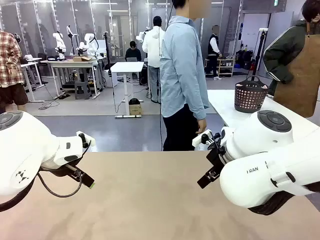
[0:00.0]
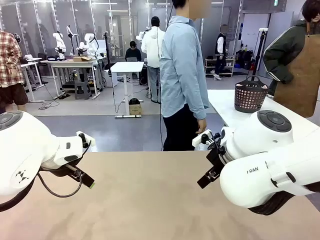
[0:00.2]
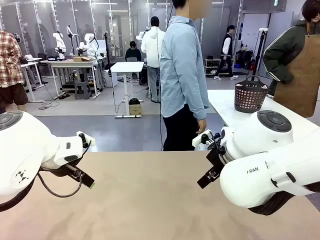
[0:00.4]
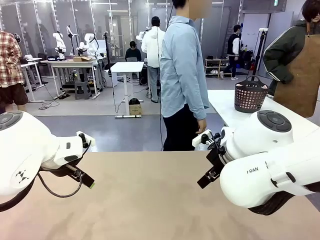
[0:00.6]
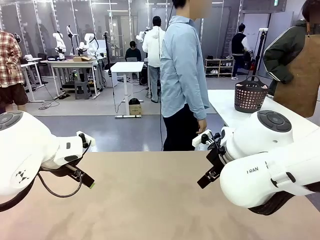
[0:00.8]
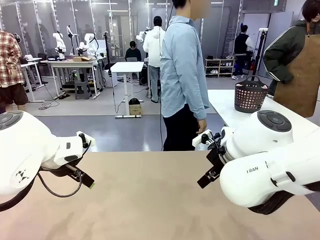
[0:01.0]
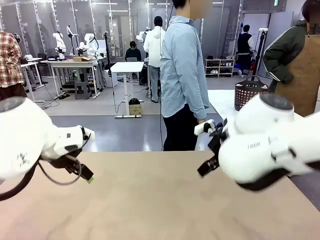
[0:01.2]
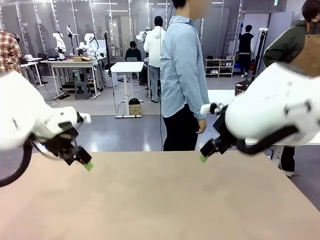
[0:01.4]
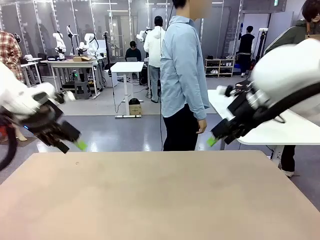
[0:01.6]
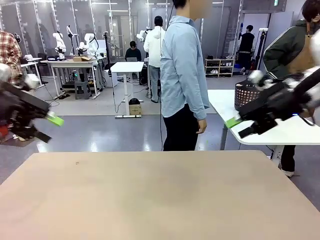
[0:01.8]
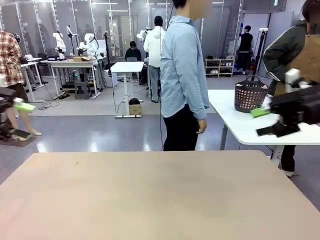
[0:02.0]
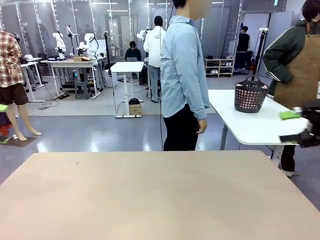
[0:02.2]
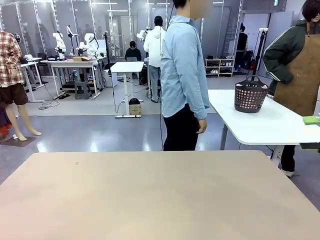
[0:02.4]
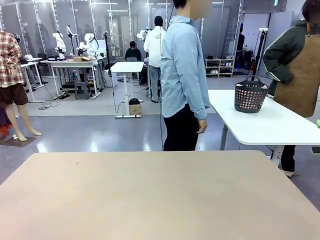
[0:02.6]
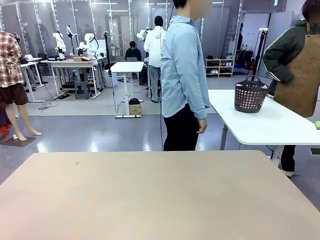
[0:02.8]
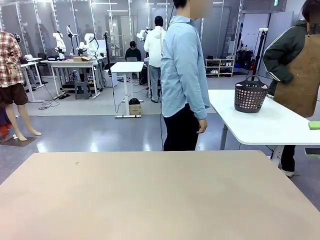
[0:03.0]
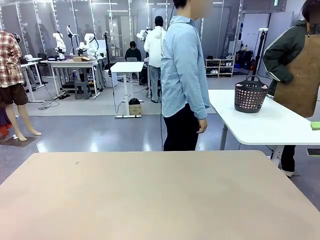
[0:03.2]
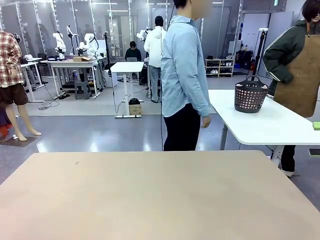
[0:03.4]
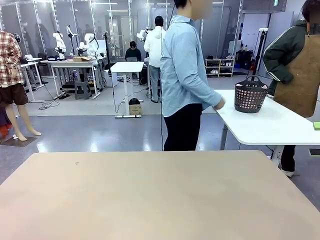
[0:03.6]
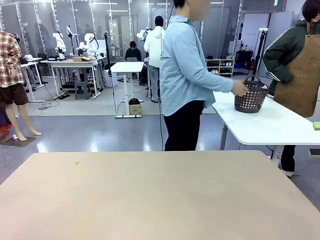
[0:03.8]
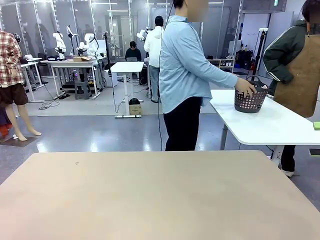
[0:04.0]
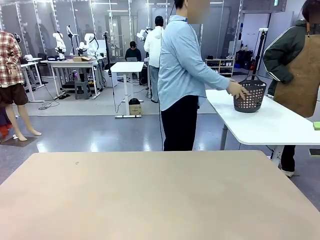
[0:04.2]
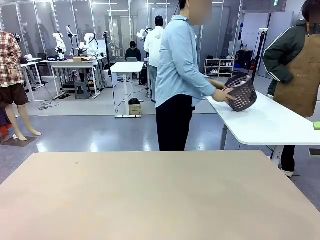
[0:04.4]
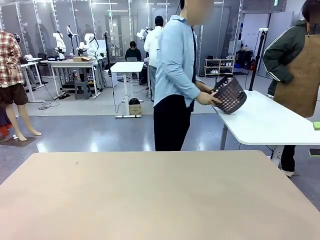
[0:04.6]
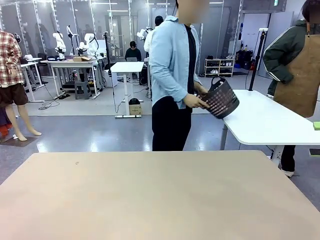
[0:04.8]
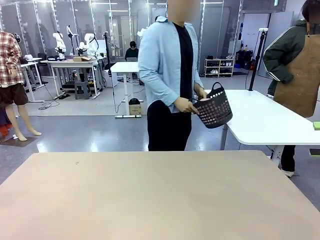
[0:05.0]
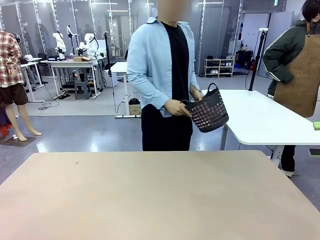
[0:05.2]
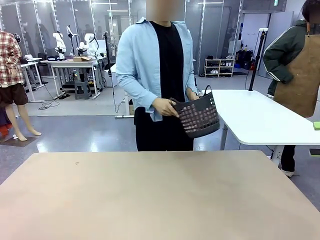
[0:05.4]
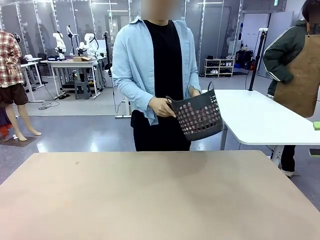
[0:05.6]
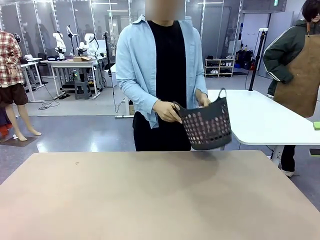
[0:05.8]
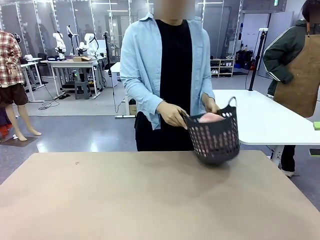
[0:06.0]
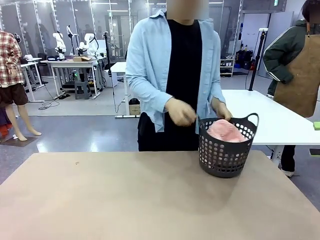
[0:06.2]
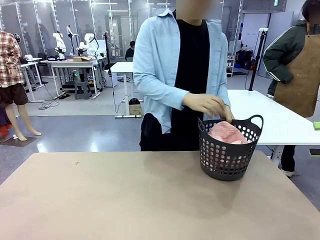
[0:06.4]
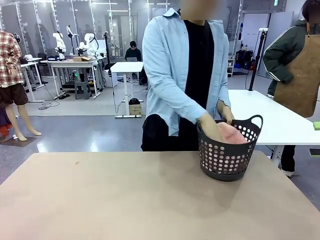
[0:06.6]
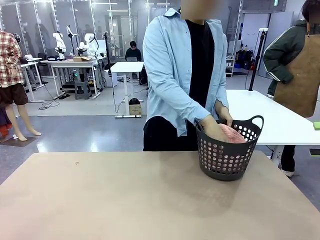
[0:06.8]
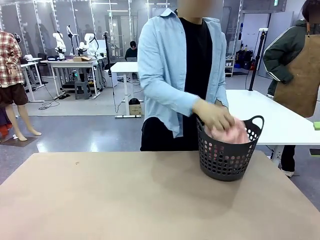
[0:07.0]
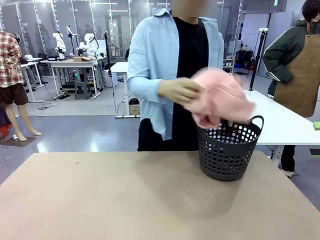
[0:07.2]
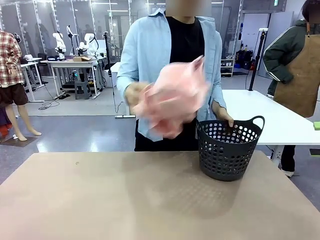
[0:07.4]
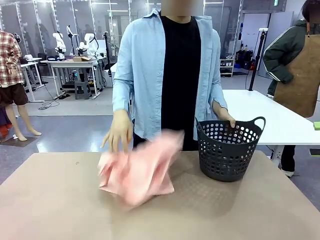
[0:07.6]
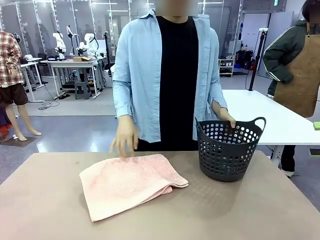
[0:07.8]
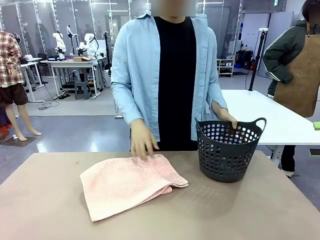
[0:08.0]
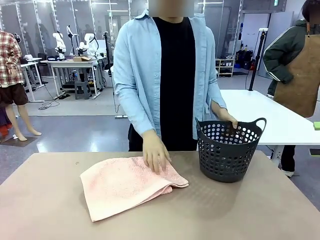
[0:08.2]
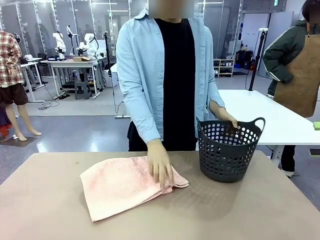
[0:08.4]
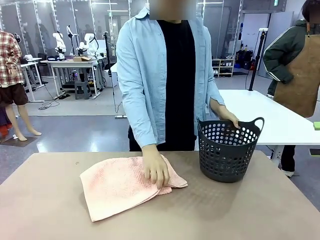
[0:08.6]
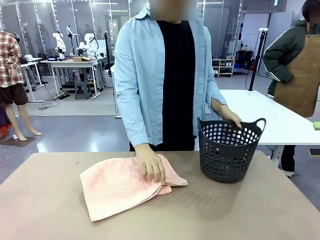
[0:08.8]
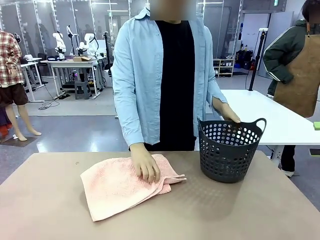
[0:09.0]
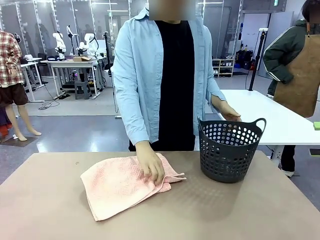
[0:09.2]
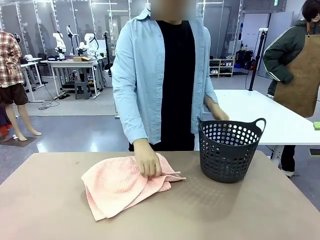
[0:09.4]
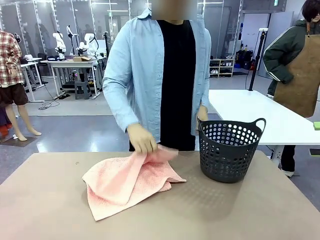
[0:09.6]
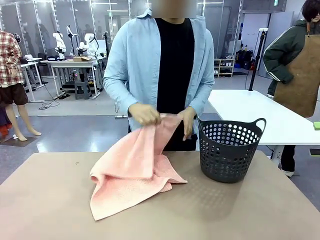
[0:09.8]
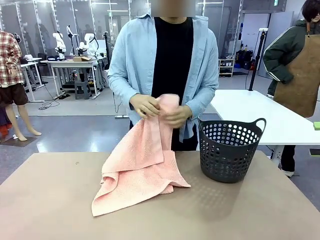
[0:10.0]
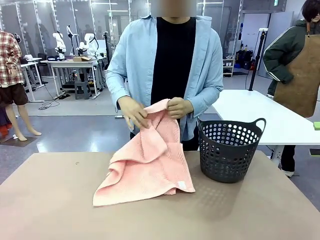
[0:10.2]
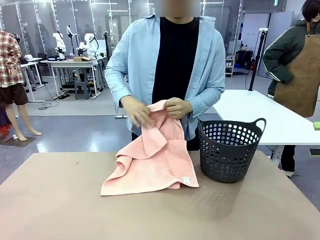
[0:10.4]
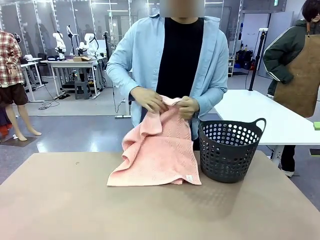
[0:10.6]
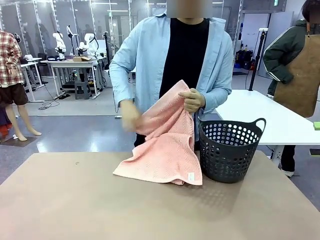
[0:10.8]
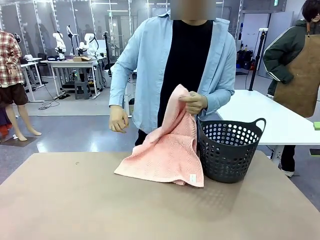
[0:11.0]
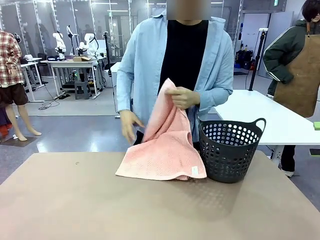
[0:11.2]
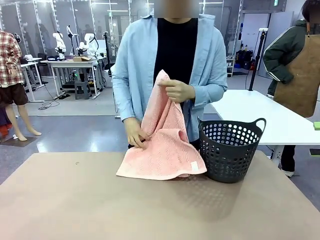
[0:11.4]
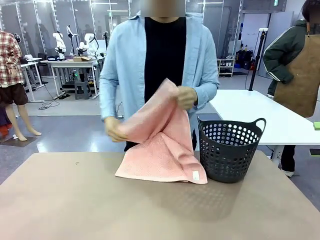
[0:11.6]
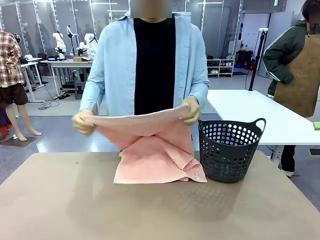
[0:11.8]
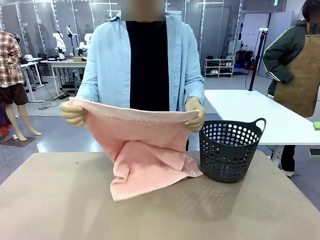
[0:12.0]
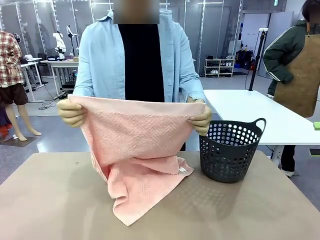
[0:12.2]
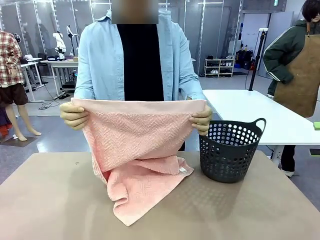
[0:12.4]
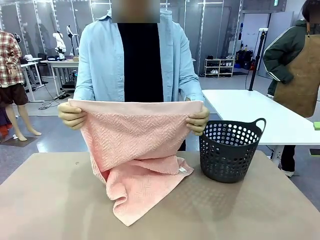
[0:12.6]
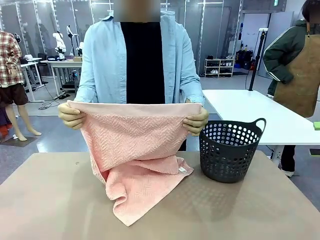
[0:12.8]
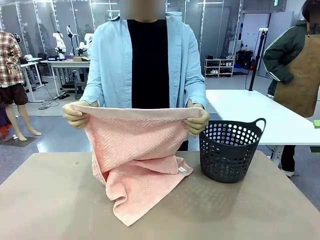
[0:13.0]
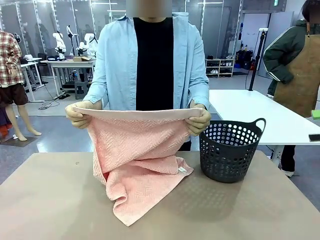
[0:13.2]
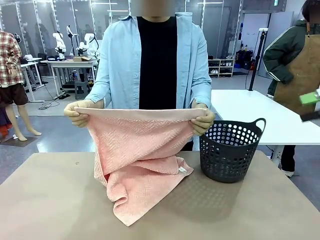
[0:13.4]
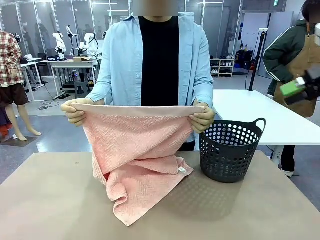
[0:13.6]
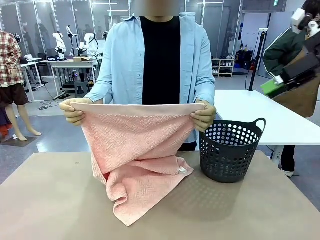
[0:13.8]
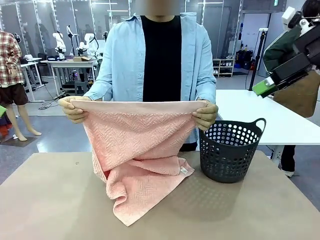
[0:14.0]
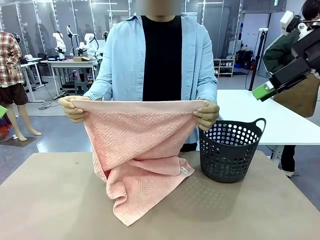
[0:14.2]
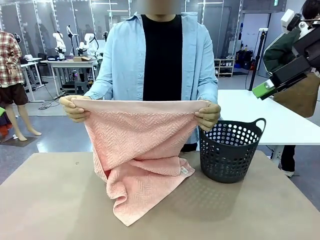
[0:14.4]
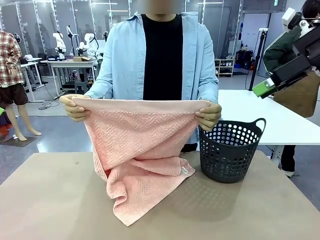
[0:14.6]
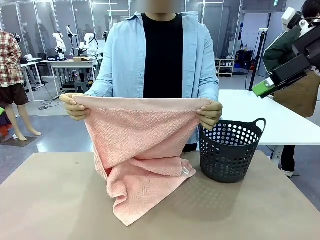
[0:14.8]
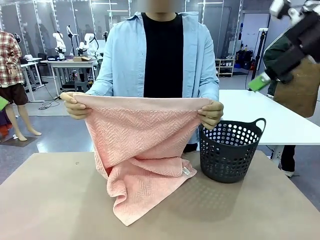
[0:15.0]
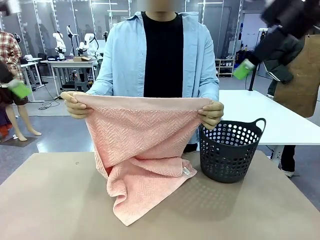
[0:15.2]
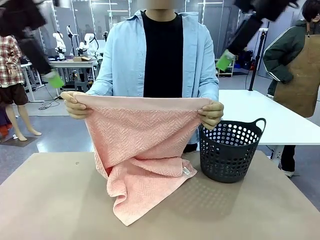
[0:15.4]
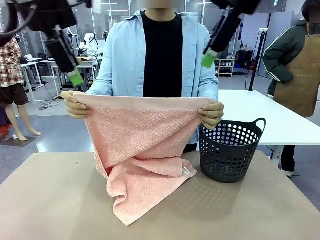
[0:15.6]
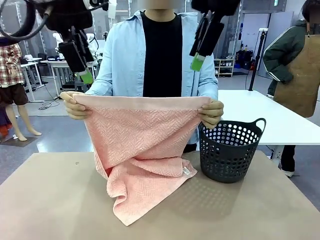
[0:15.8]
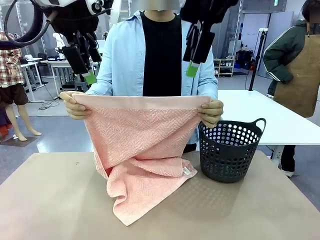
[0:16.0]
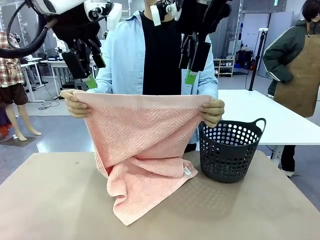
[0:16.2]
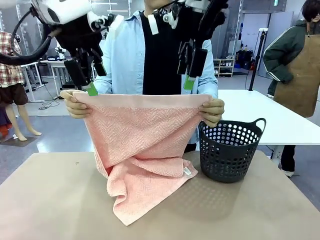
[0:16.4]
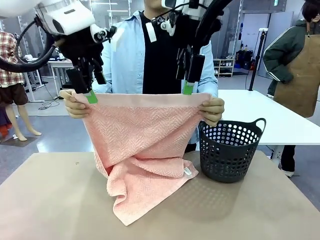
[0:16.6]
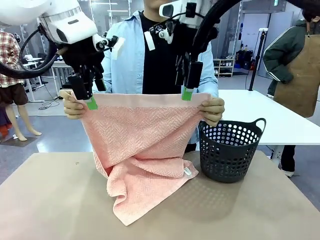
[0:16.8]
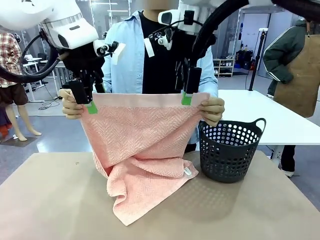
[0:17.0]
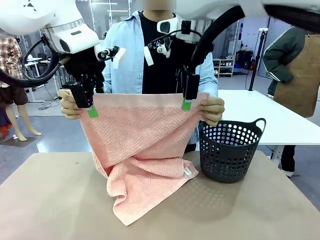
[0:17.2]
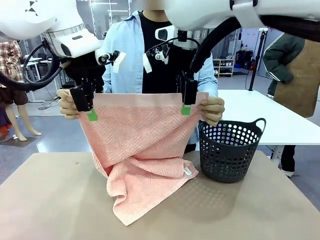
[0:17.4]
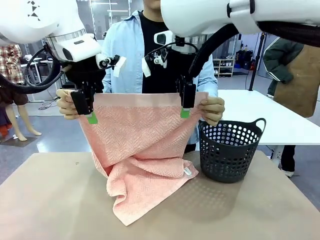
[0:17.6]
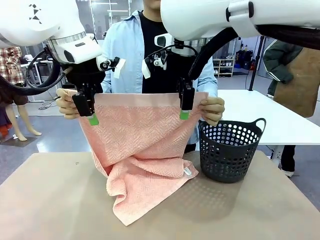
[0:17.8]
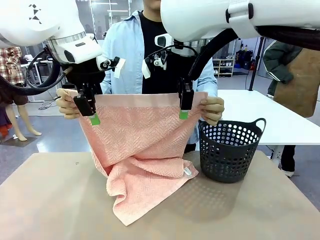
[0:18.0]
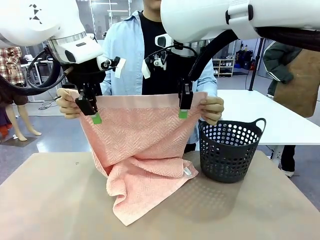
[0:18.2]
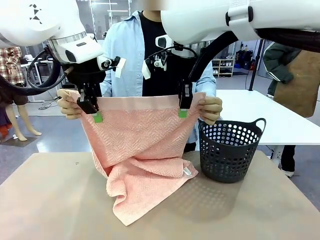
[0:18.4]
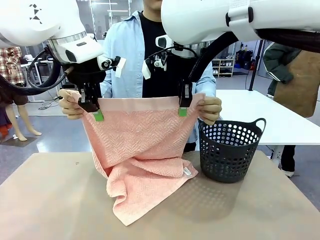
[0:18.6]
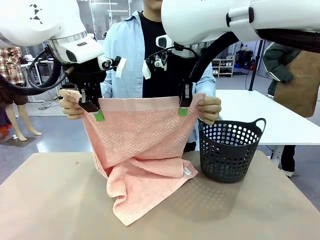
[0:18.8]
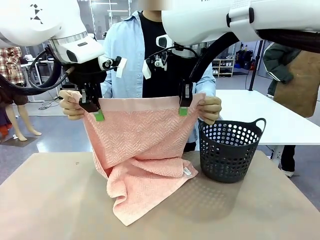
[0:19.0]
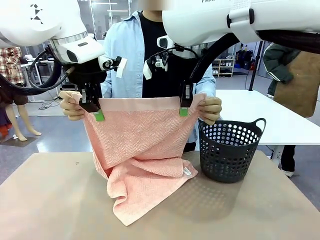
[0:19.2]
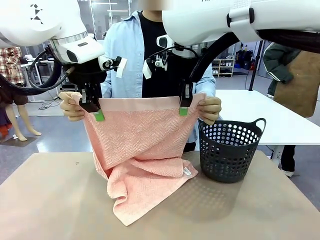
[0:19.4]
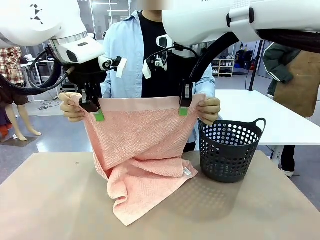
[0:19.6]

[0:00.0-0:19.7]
Task: Fold the towel.
Robot: Grab the top end of the 100 cm Hotel Towel extended by the human.
Person: Pick up the laundry basket, place it on the left side of the robot table, then take out a towel and hand it to the robot while holding both corners of one end.
